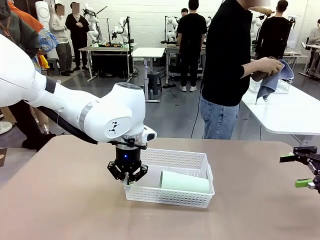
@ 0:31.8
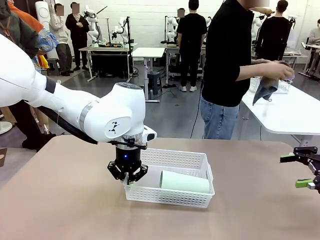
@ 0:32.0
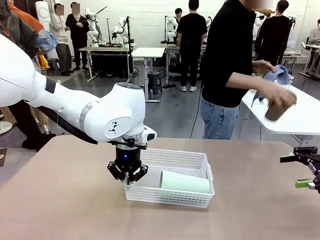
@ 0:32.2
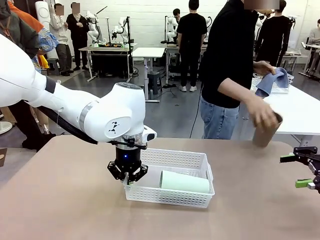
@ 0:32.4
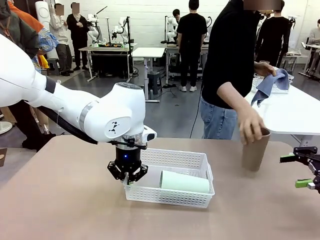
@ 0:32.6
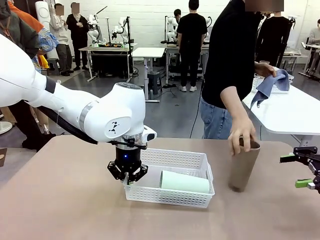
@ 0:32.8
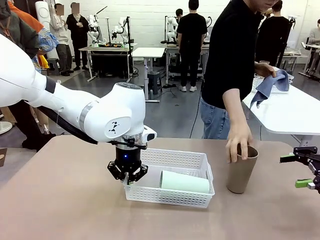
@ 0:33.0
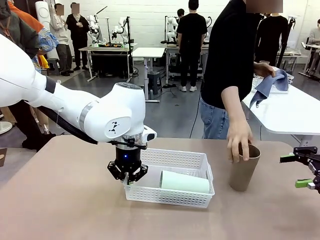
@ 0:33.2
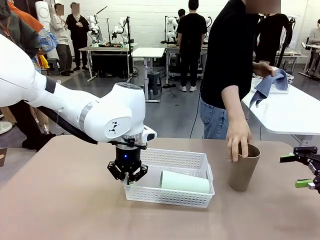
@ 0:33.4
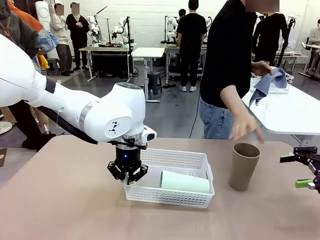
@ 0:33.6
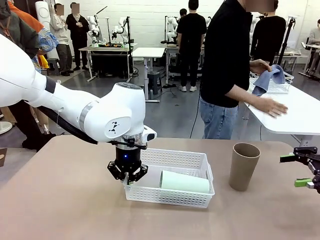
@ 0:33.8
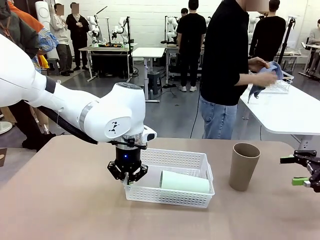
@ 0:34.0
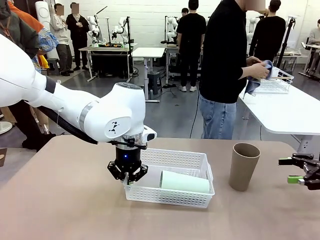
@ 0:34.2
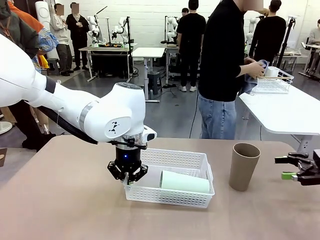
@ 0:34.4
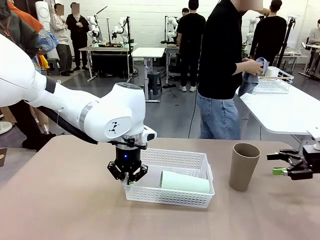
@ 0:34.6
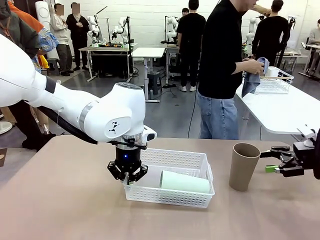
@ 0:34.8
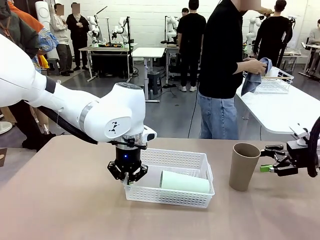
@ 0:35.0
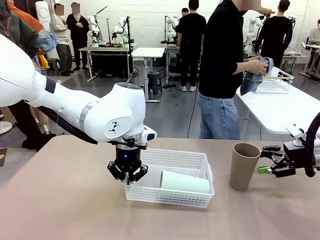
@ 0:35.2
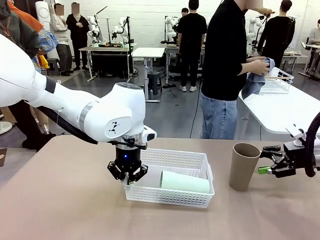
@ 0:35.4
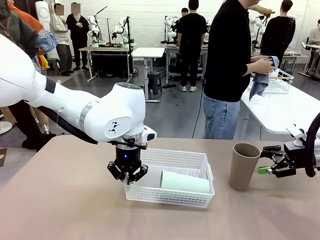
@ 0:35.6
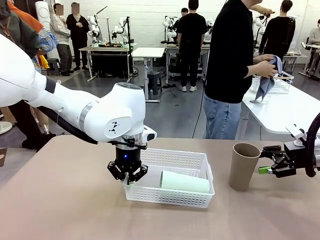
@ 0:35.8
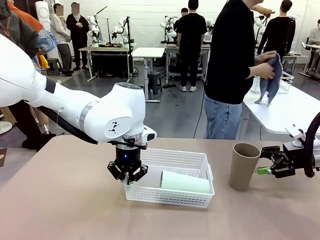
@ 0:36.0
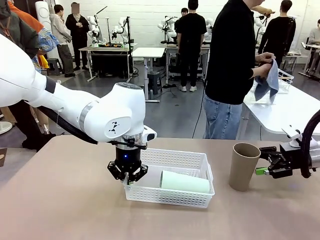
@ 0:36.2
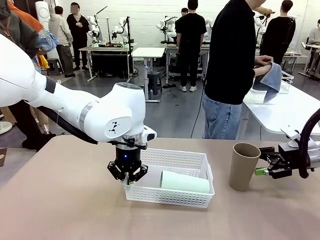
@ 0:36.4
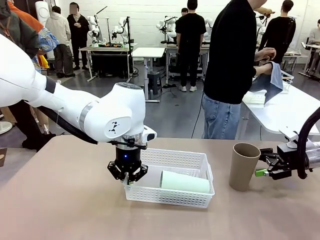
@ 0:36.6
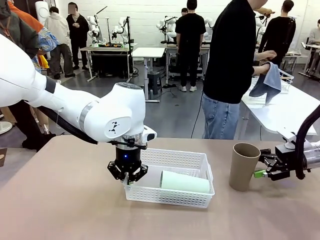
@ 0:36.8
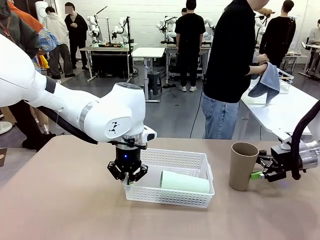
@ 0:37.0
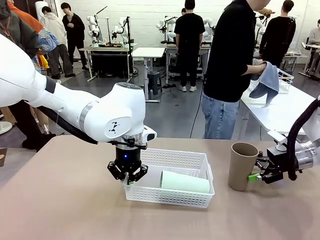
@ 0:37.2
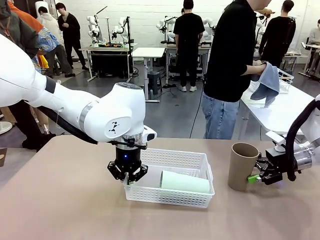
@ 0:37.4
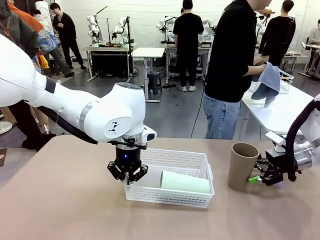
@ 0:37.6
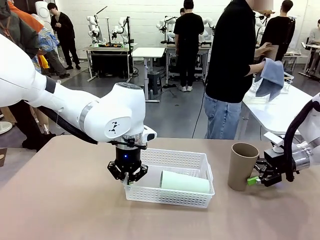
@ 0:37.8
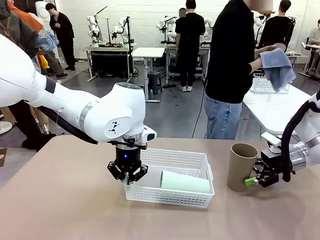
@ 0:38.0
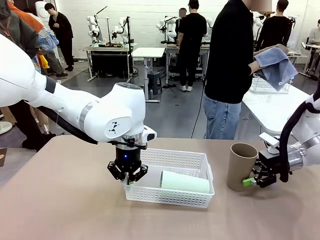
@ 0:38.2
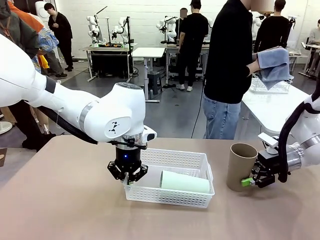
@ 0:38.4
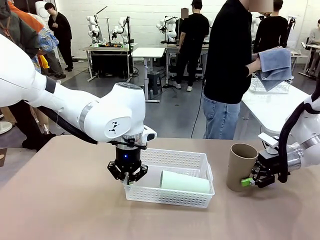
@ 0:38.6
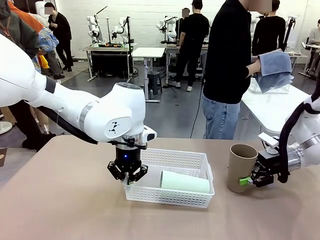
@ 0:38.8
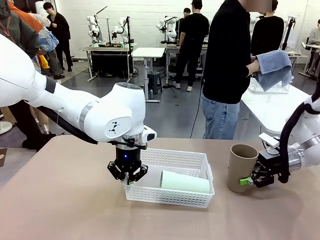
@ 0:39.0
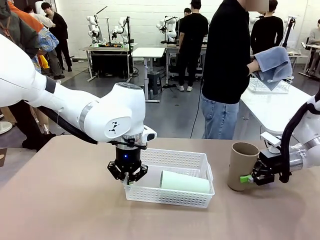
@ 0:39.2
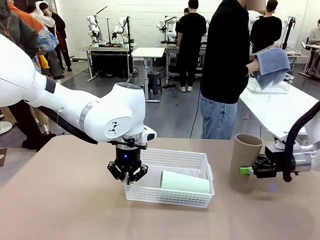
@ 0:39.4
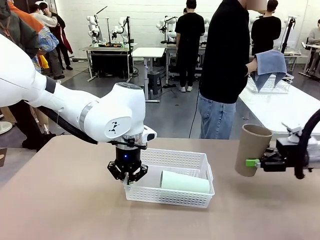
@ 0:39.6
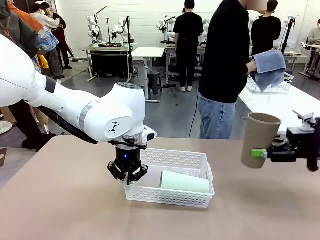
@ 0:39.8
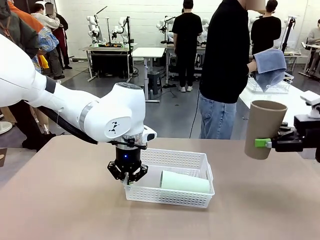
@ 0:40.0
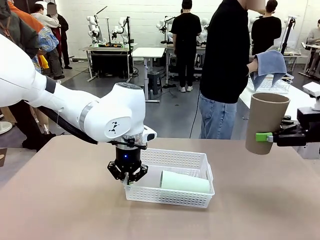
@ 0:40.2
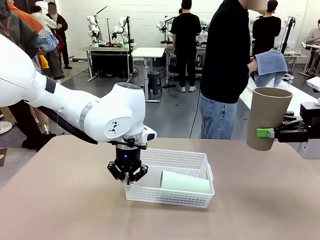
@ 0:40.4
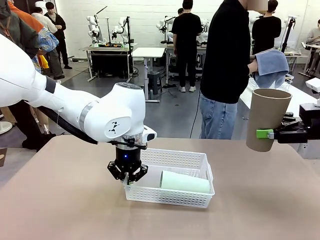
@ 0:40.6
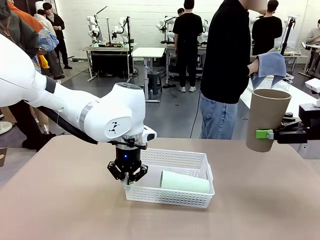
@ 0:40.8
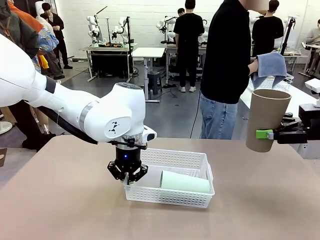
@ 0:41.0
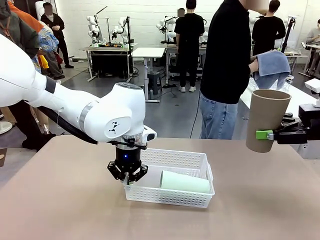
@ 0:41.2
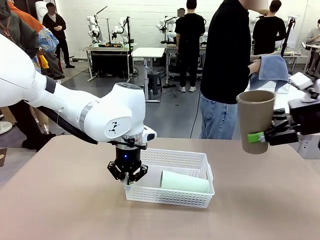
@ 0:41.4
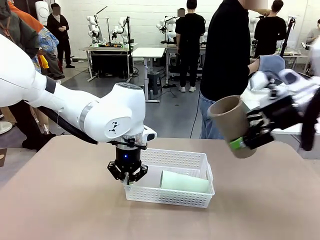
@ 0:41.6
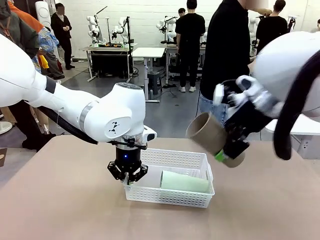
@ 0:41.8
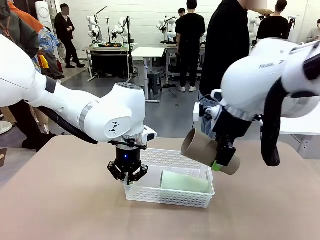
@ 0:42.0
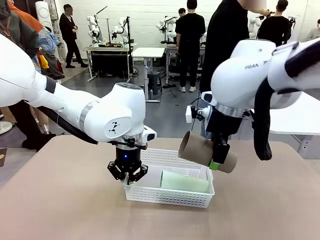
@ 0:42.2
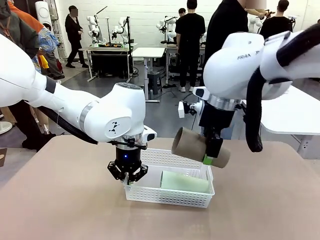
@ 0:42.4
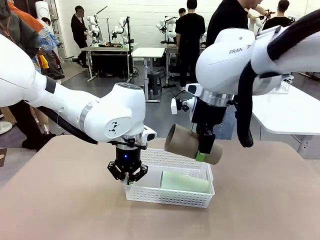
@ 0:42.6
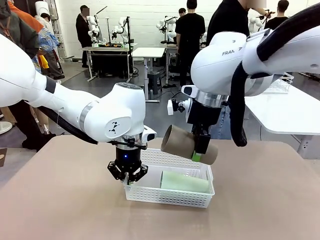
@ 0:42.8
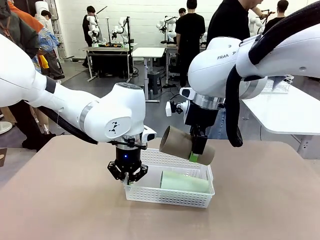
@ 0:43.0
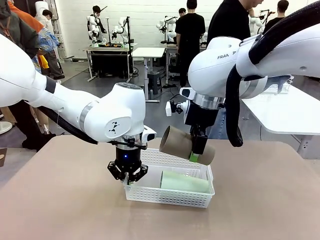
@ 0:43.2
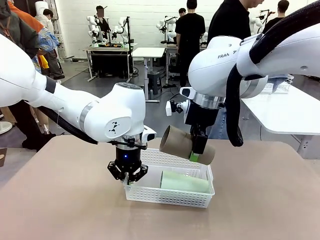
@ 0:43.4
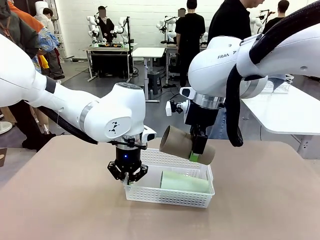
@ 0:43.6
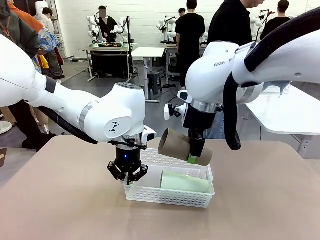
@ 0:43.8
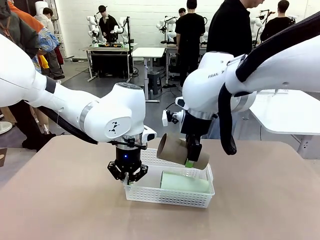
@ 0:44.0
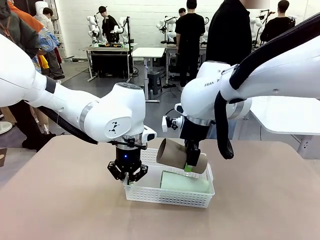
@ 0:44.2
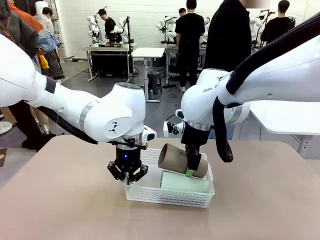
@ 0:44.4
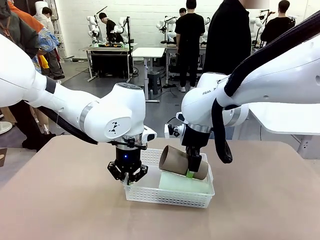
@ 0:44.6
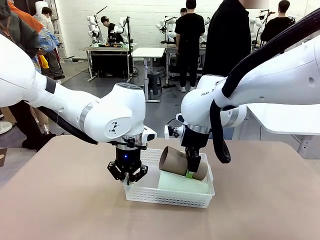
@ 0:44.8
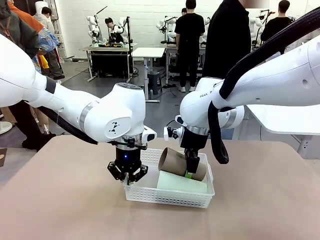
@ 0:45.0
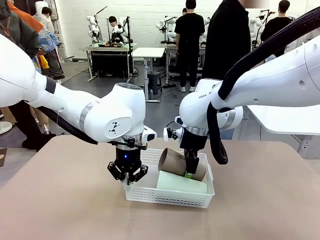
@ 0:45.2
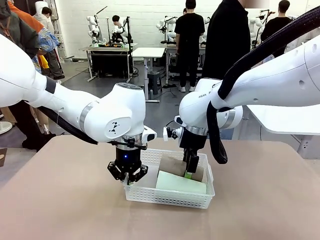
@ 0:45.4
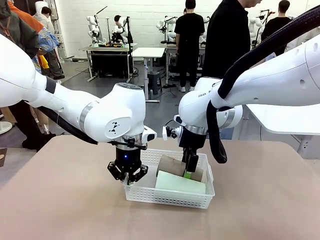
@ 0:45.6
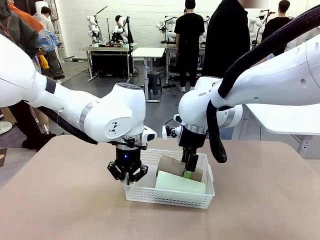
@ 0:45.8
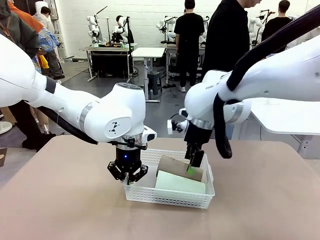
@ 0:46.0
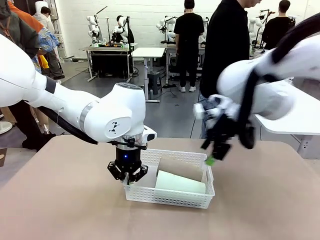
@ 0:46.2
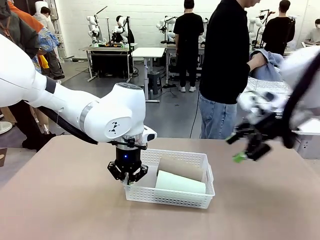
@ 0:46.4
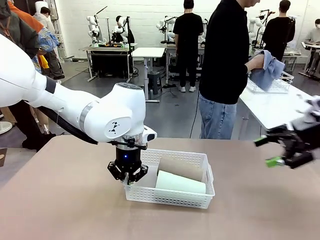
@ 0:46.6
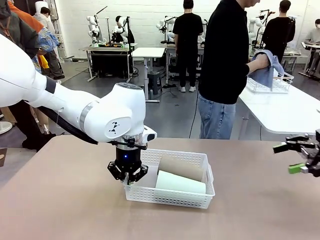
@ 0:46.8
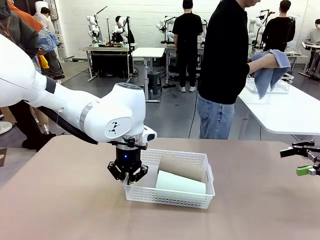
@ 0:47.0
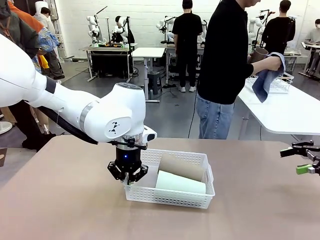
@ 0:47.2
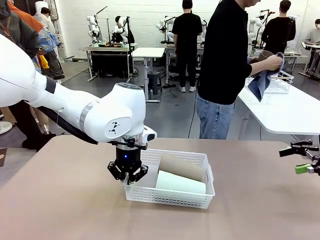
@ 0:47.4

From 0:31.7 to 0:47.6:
Task: Clean and organize the cups into the basket.
Robot: Pick up the Reusable plastic cup from the right side of the table and stack it inside the Organizing basket in the center of the table.
